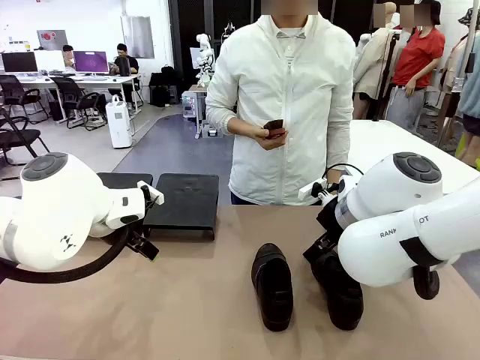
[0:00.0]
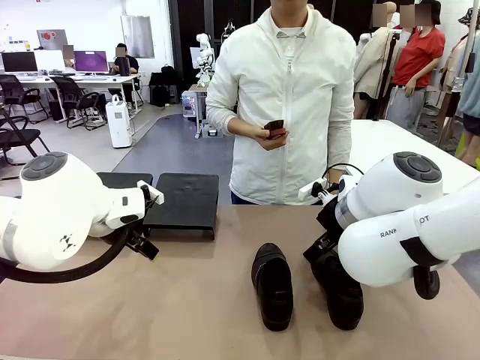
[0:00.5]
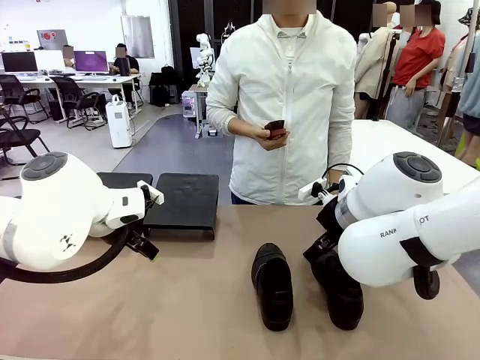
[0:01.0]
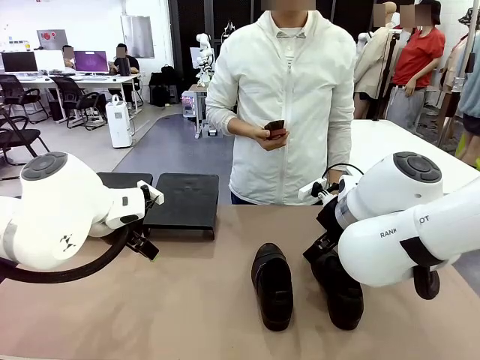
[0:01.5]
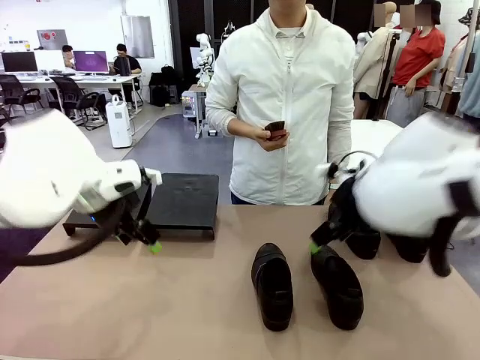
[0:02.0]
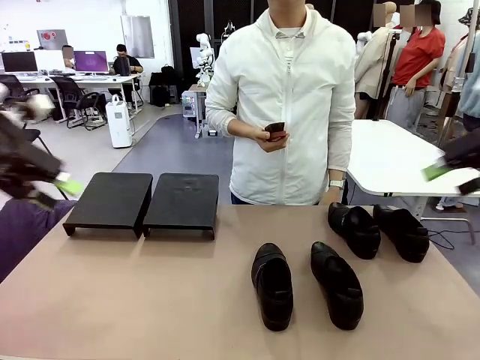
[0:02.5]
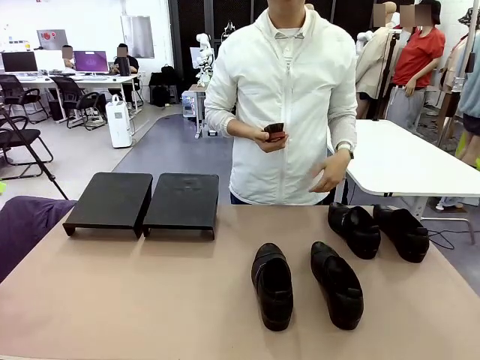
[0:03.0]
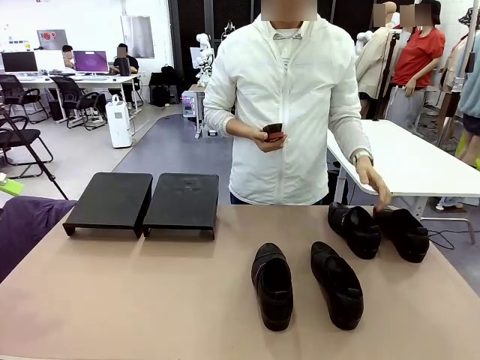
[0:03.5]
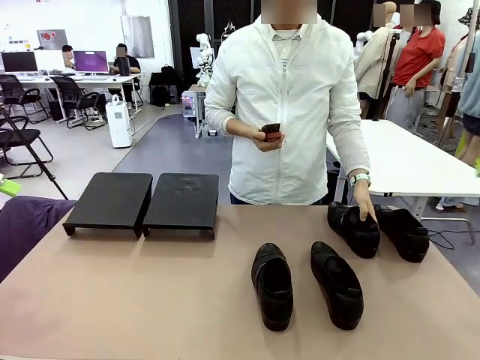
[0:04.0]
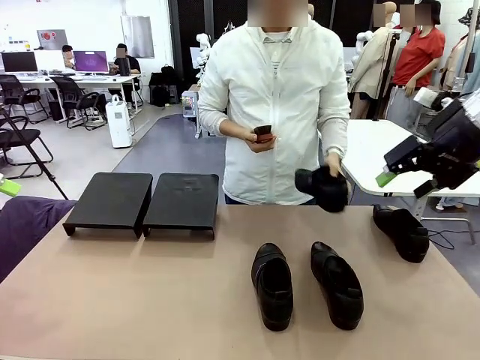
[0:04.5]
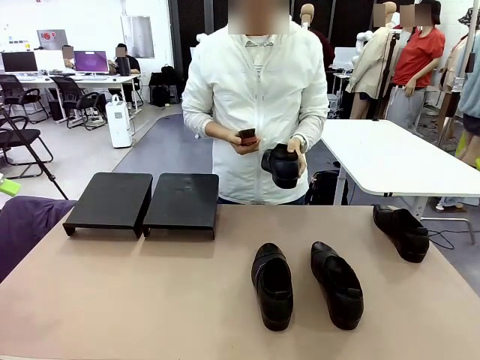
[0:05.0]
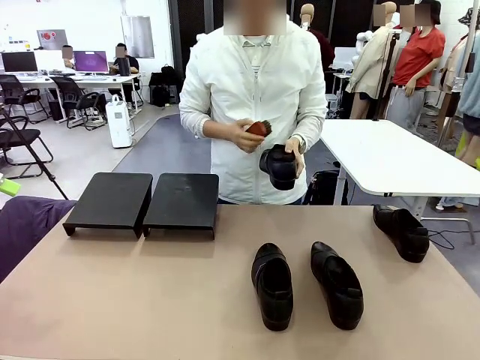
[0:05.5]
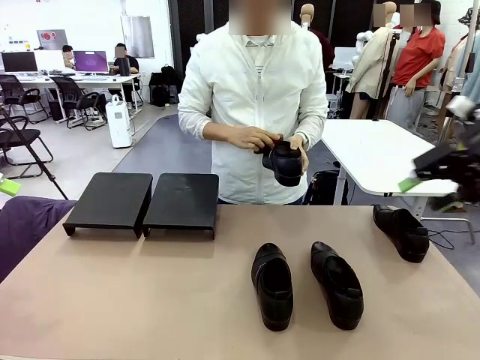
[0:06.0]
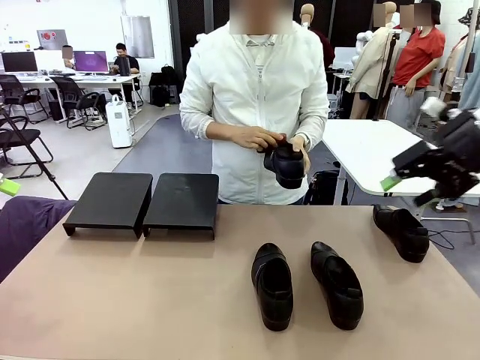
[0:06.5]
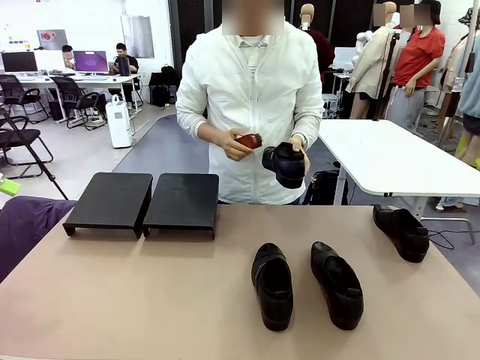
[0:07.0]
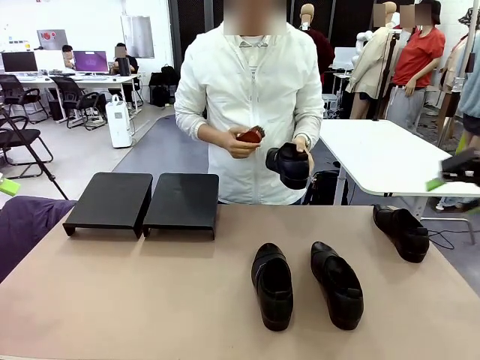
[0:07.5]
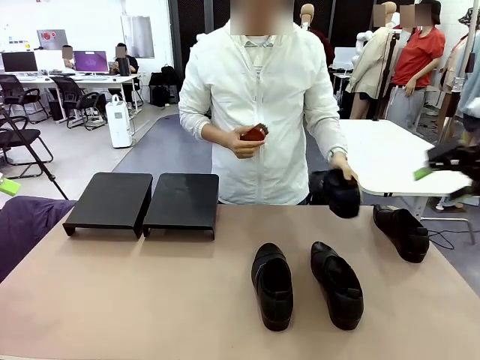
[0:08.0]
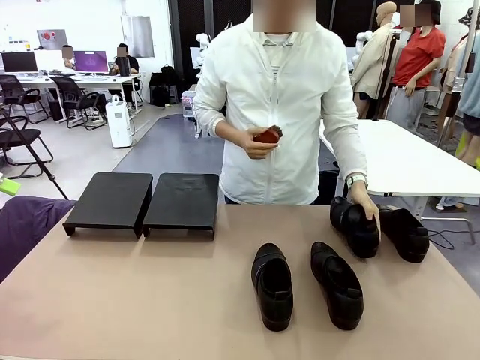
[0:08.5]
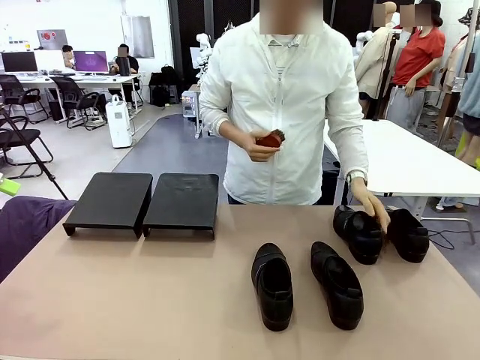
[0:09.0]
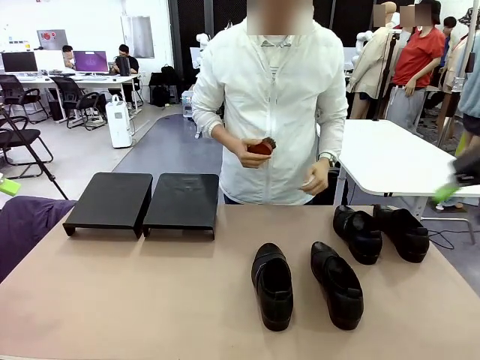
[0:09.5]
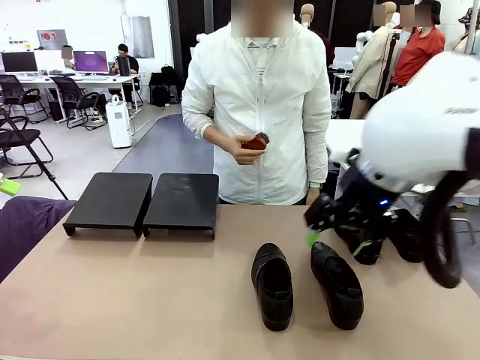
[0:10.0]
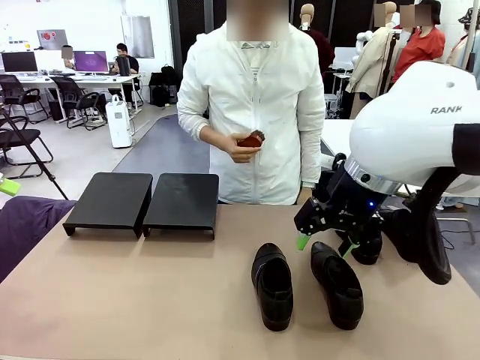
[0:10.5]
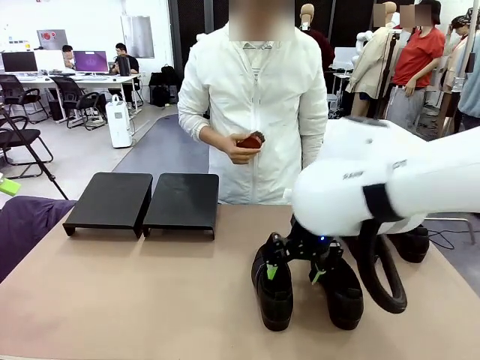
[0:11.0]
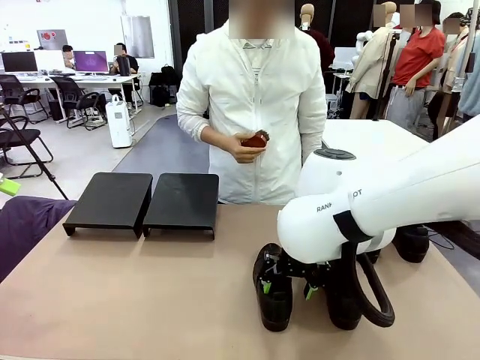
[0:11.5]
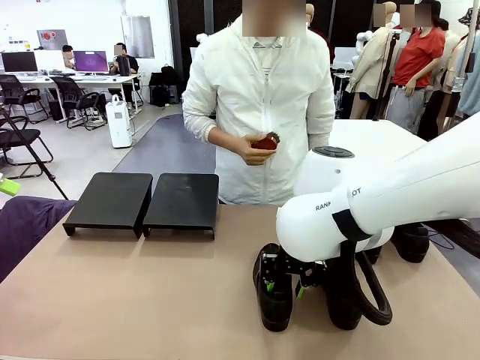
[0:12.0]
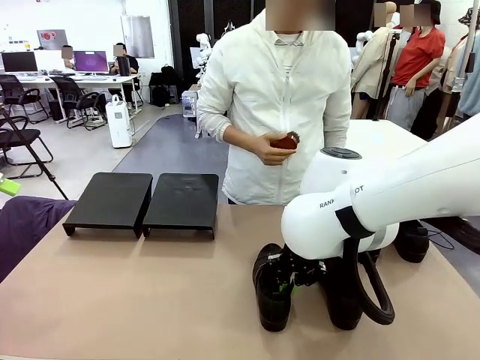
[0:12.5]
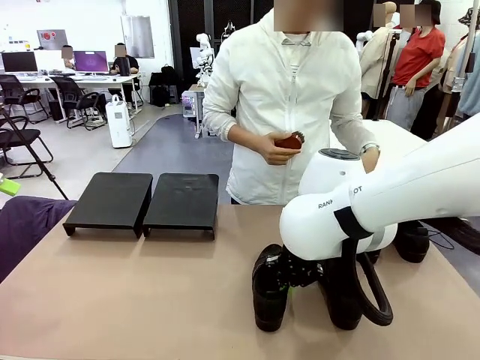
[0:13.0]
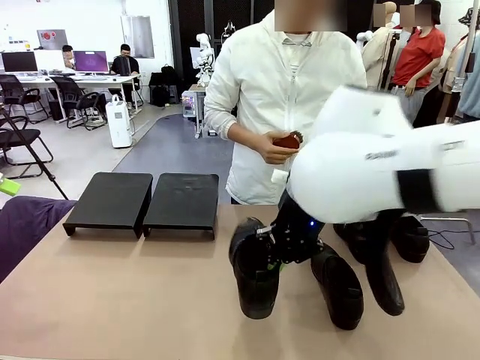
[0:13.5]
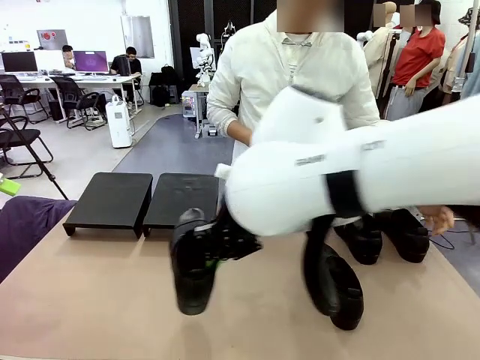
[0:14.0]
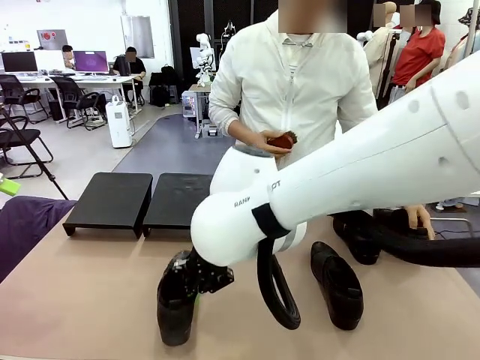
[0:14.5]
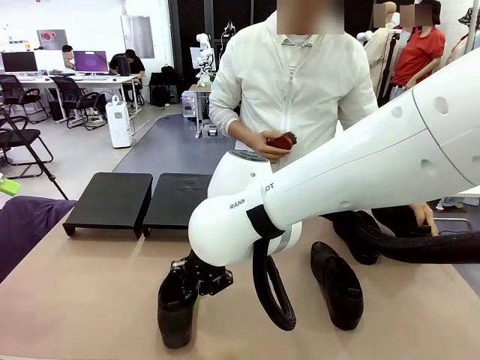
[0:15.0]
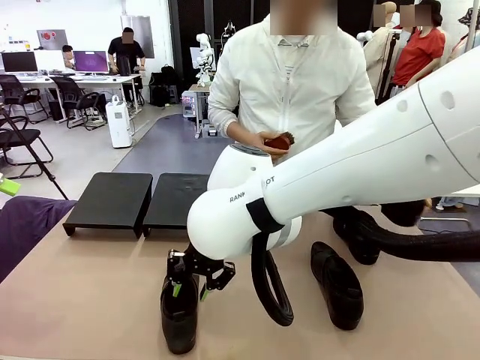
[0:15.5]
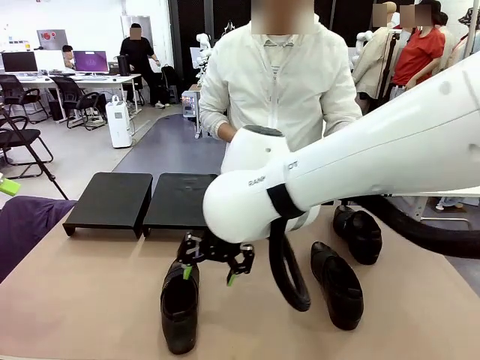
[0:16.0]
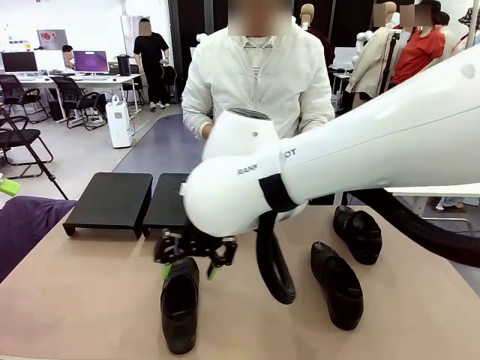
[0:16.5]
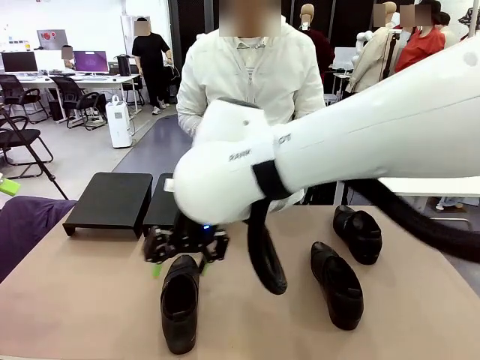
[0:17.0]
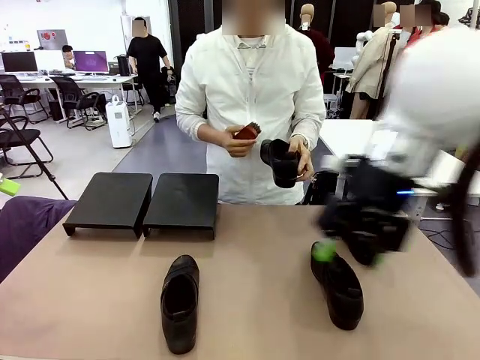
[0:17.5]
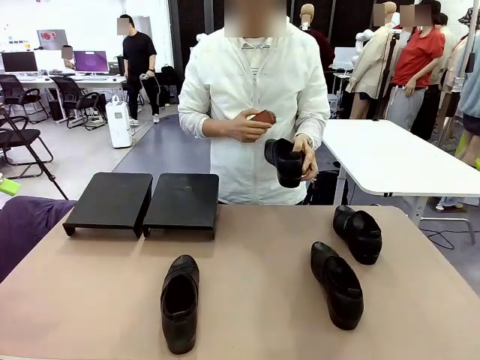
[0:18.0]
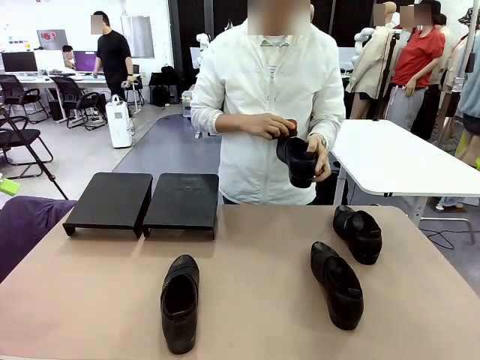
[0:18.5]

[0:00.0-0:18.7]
Task: Organize the shoes by placing them on the stand.
Robot: Pick up one Shoe and place it in the middle of the table.
Person: Pick one Shoe on Robot's table. Clean the Shoe with the Shoe Brush. Place the Shoe on left side of the Robot's table. Pick one Shoe on Robot's table.

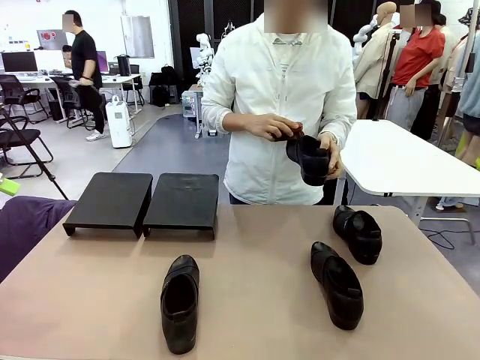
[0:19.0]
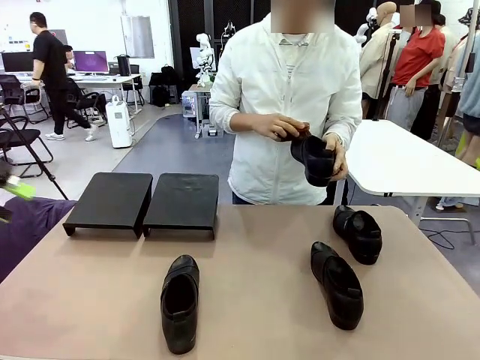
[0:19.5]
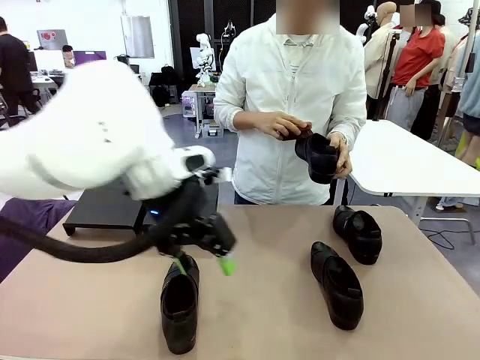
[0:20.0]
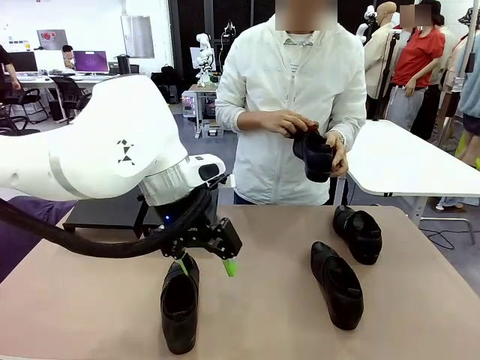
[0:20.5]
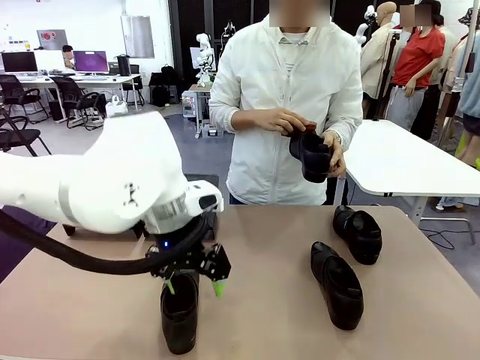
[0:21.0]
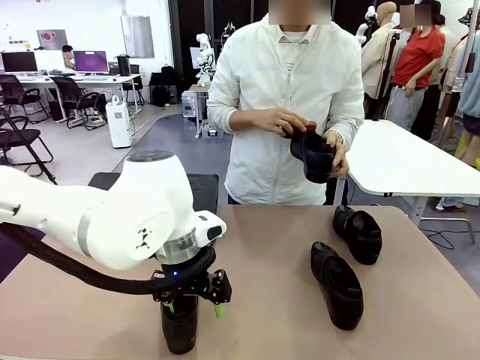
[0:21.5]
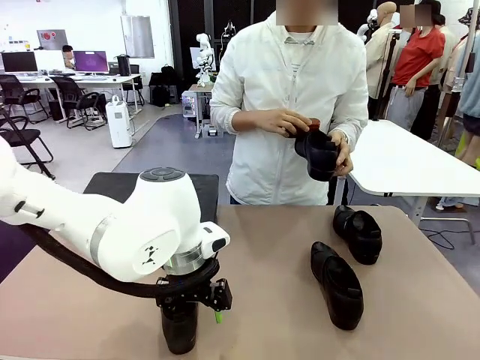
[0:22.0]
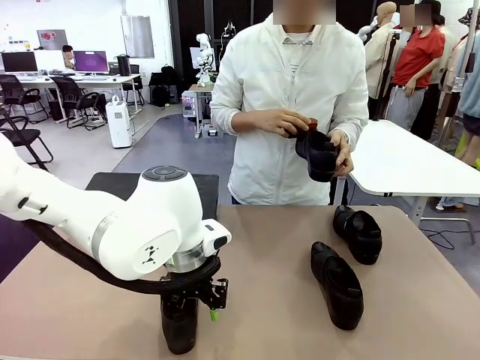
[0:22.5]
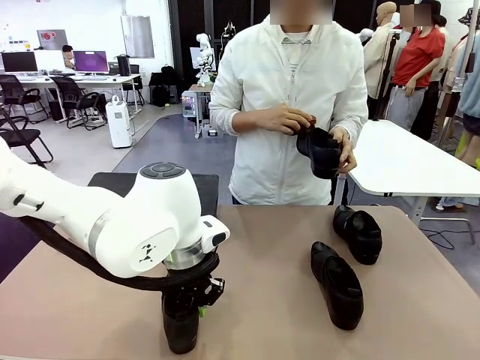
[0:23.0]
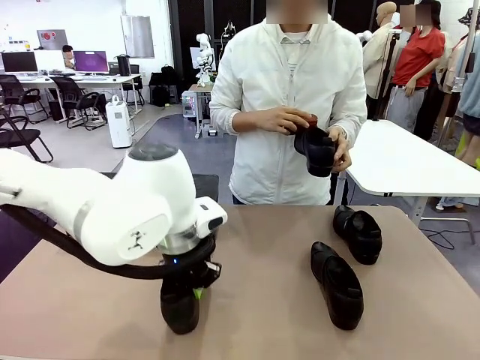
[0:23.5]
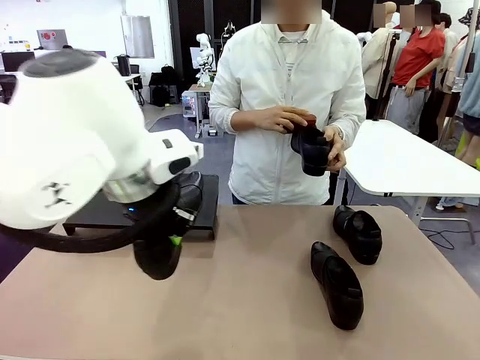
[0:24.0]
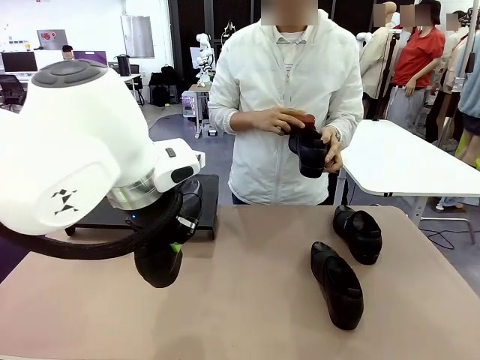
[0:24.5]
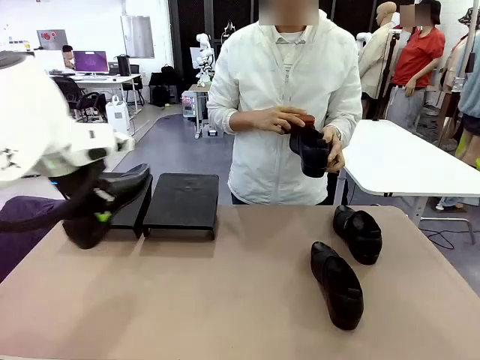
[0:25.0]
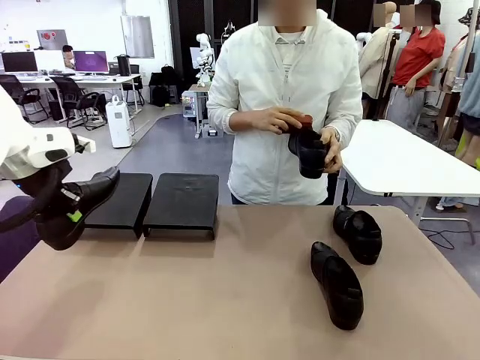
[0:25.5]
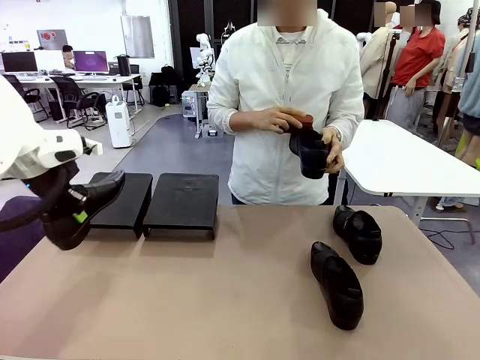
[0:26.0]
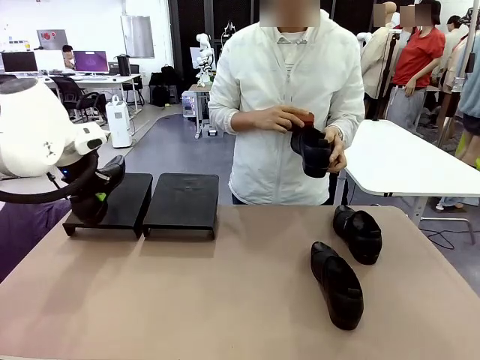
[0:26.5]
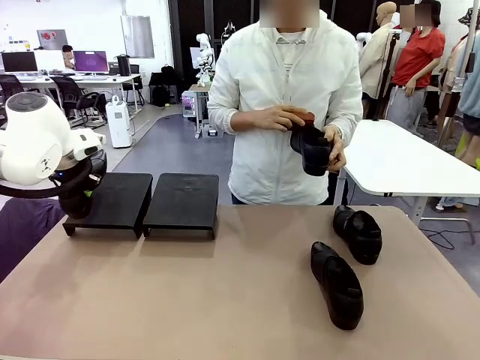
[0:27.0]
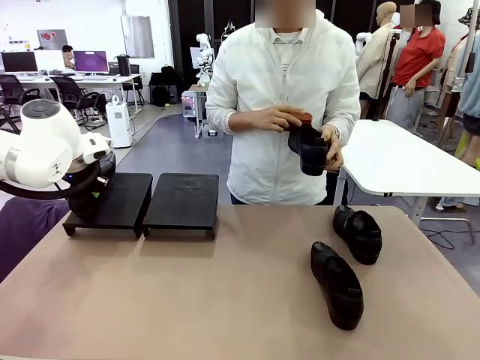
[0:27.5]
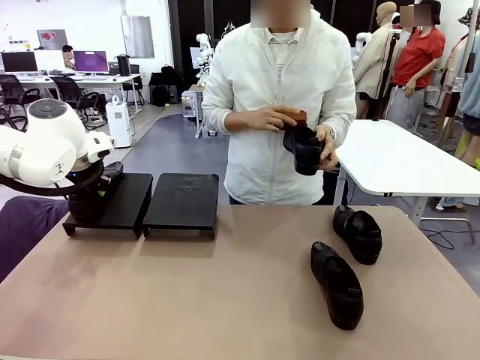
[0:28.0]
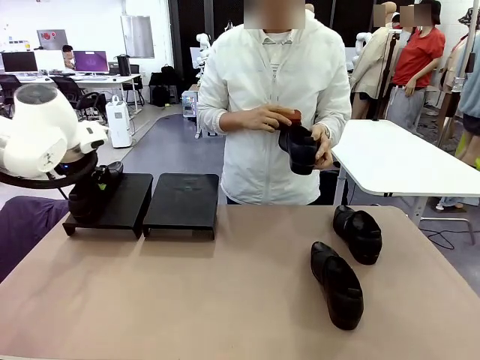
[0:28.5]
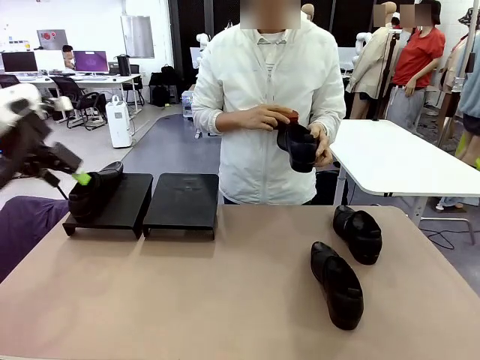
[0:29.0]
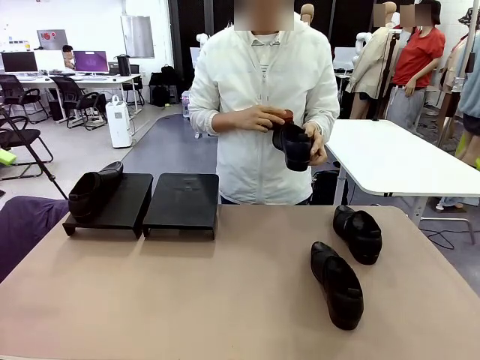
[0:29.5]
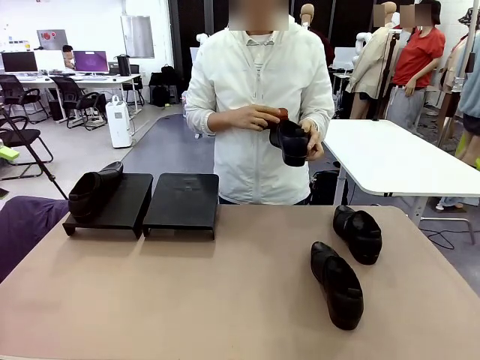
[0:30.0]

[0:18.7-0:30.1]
Robot: Place the Shoe from the middle of the table onto the Shoes Stand.
Person: Clean the Shoe with the Shoe Brush.
